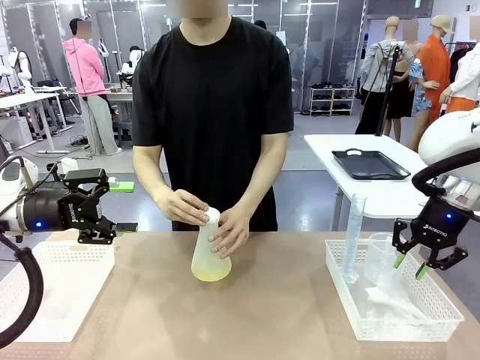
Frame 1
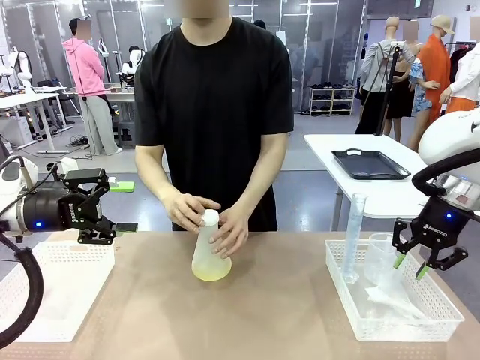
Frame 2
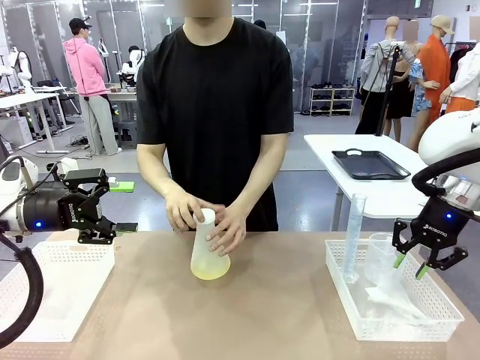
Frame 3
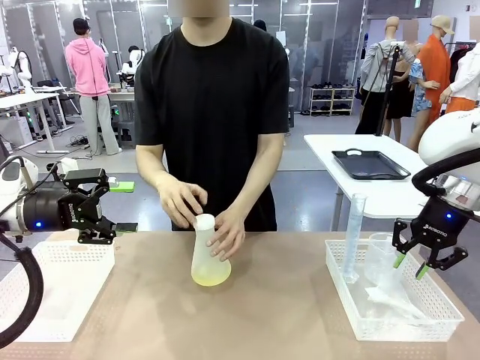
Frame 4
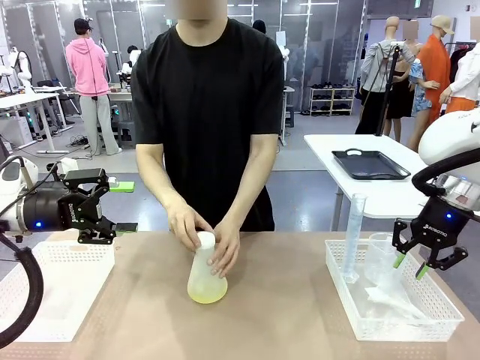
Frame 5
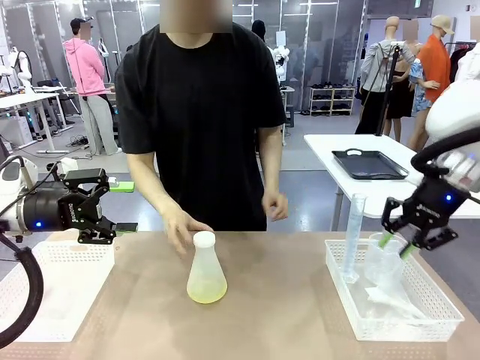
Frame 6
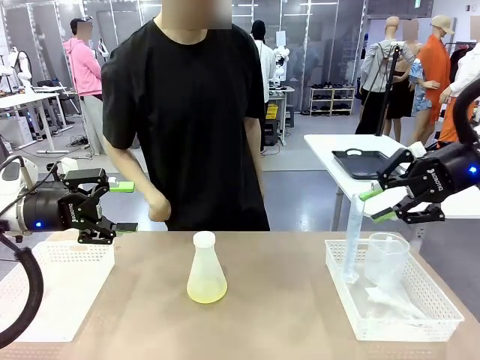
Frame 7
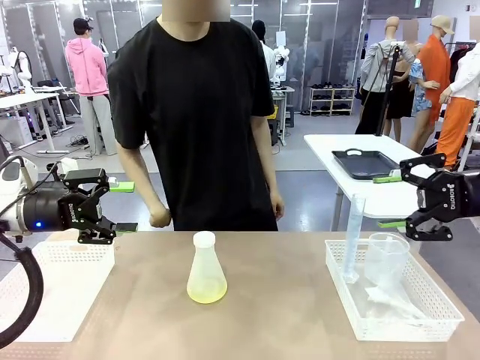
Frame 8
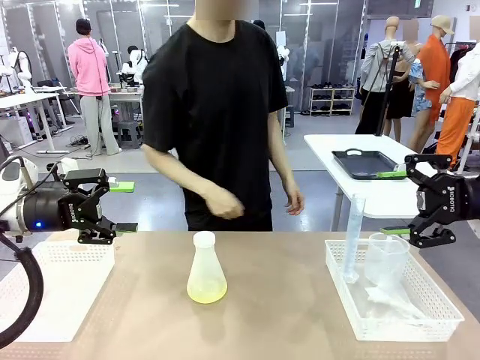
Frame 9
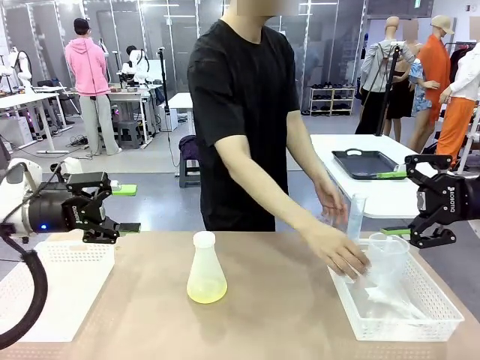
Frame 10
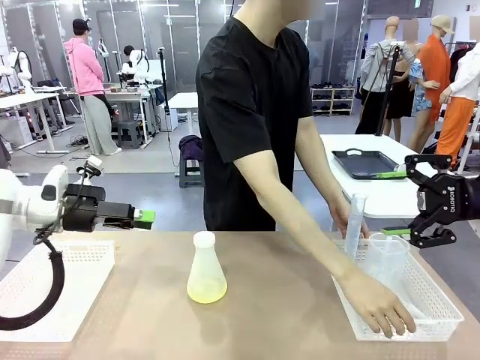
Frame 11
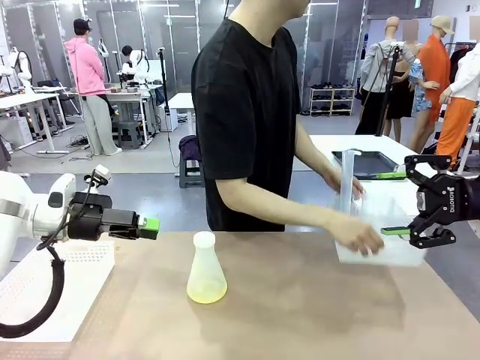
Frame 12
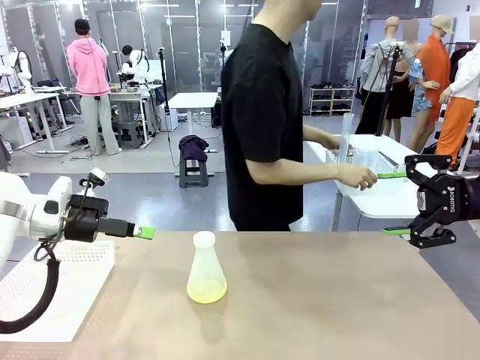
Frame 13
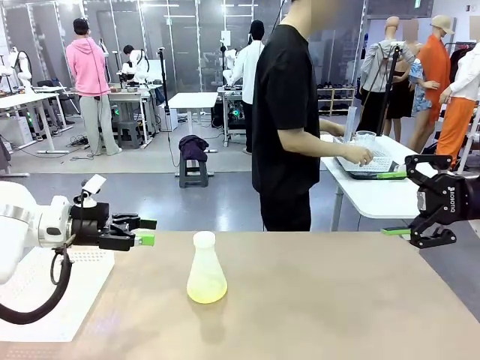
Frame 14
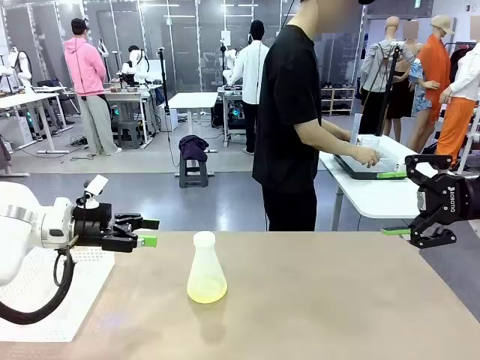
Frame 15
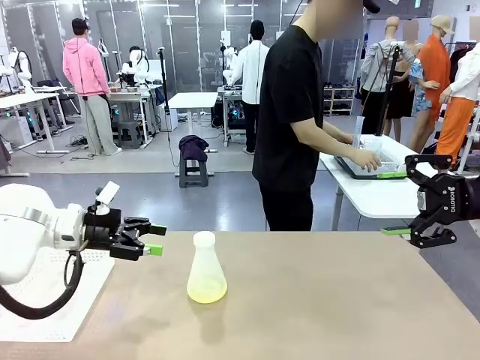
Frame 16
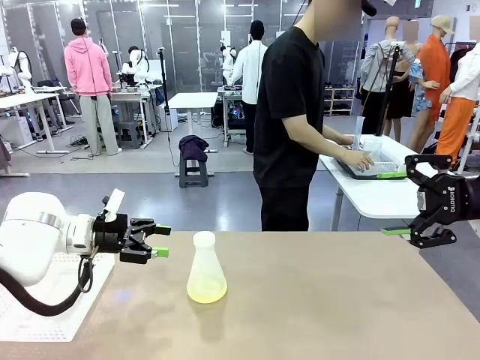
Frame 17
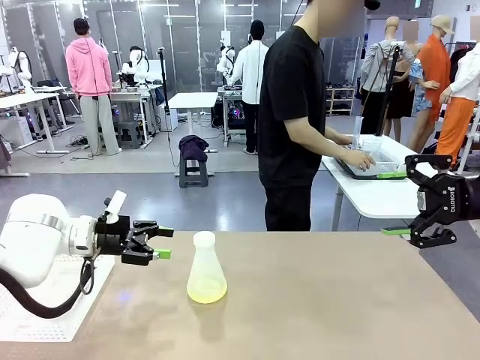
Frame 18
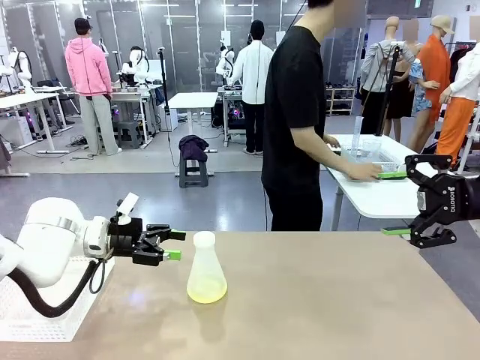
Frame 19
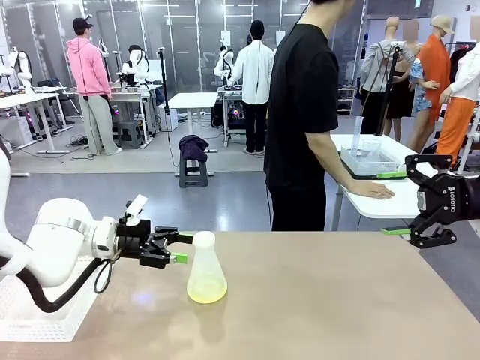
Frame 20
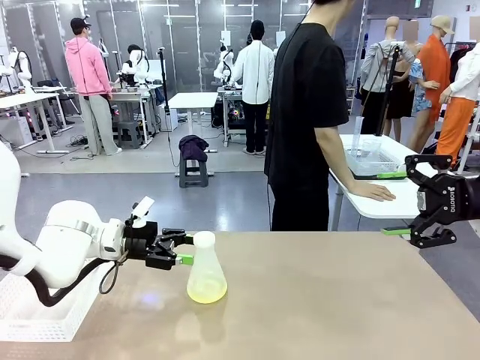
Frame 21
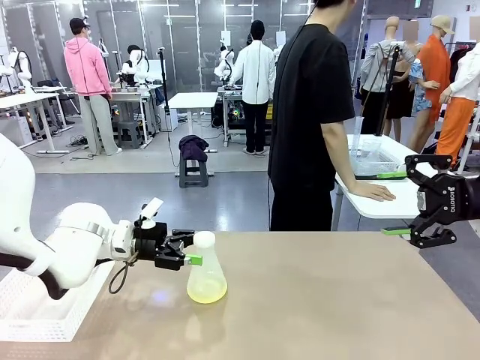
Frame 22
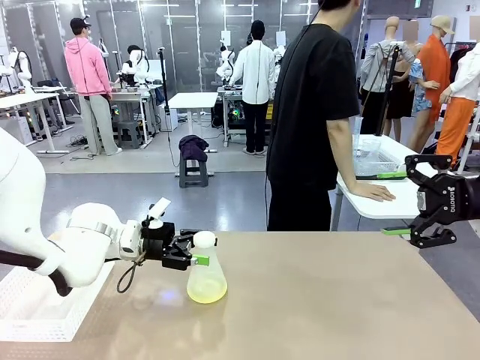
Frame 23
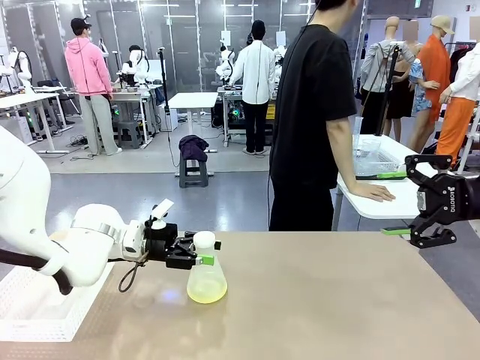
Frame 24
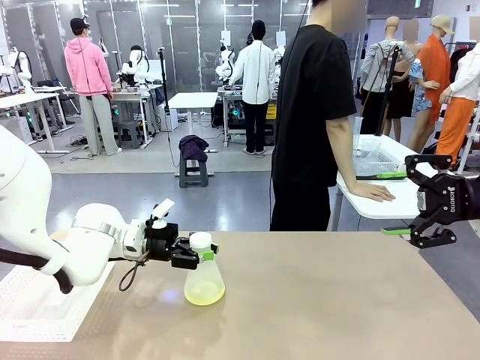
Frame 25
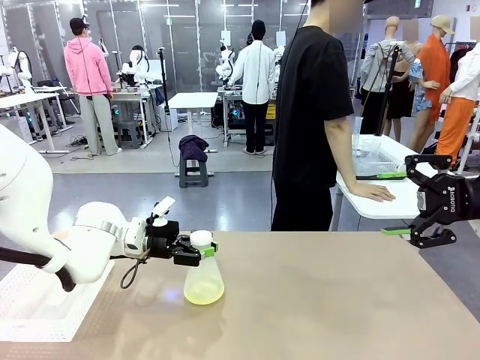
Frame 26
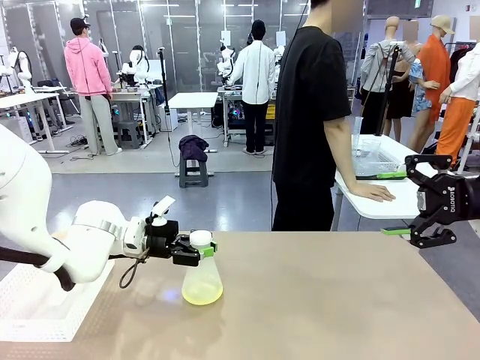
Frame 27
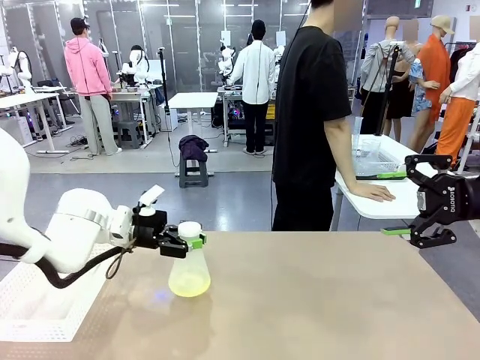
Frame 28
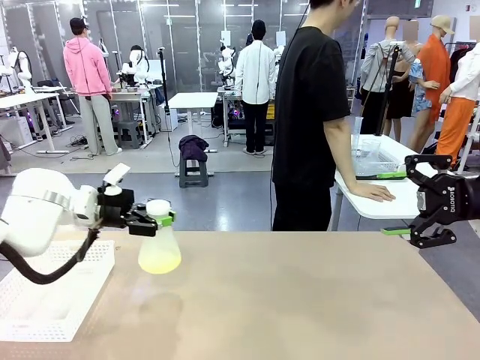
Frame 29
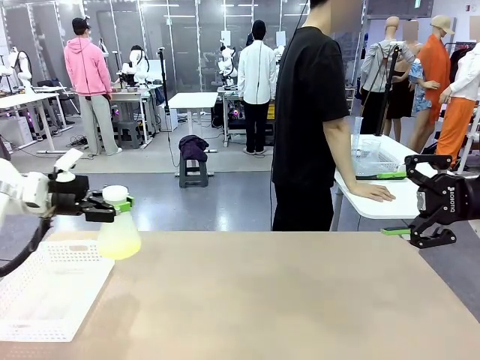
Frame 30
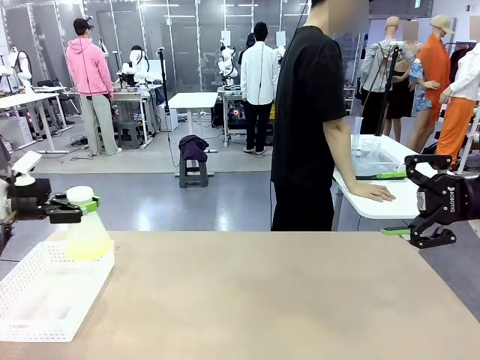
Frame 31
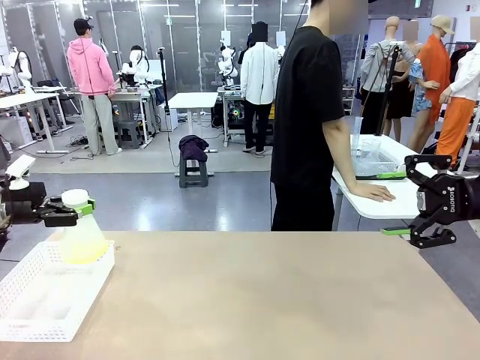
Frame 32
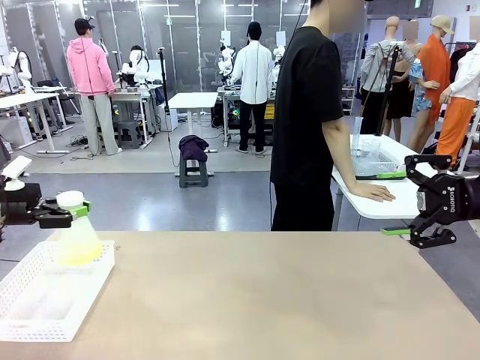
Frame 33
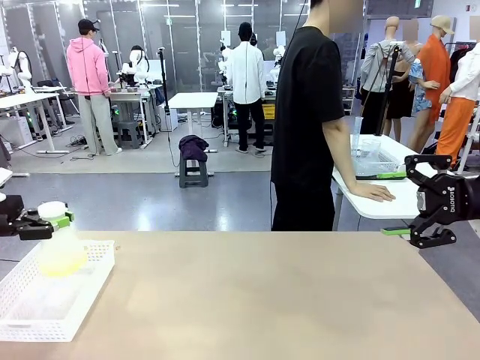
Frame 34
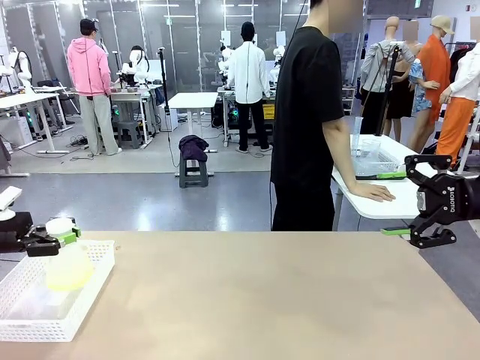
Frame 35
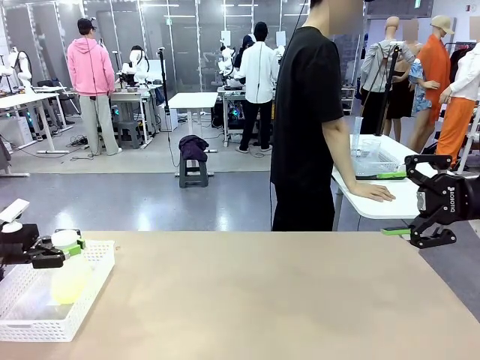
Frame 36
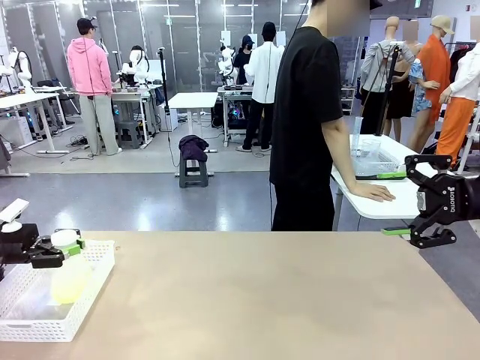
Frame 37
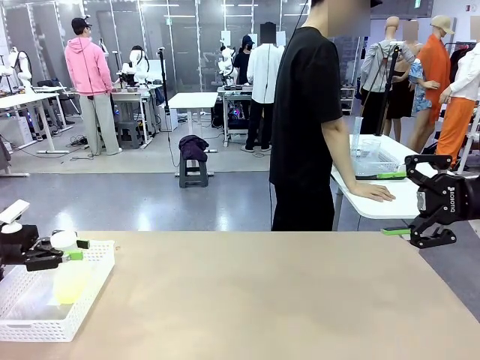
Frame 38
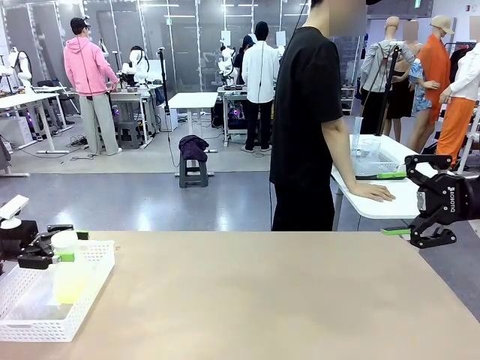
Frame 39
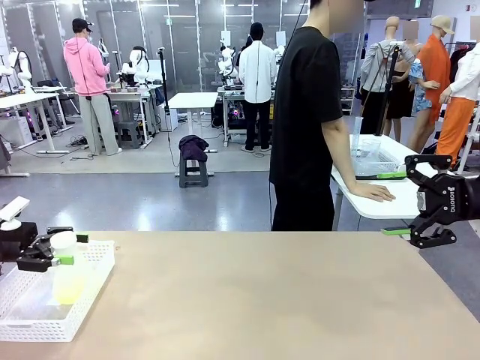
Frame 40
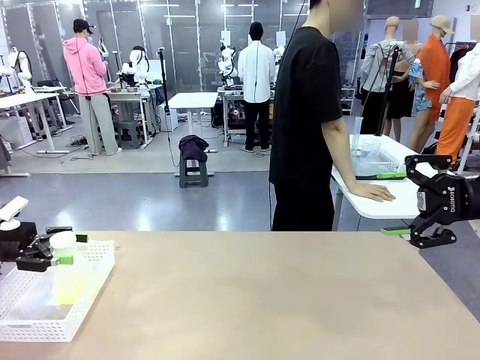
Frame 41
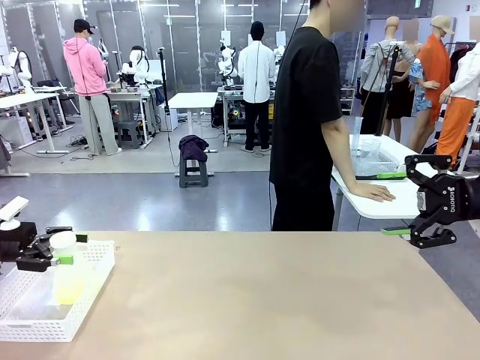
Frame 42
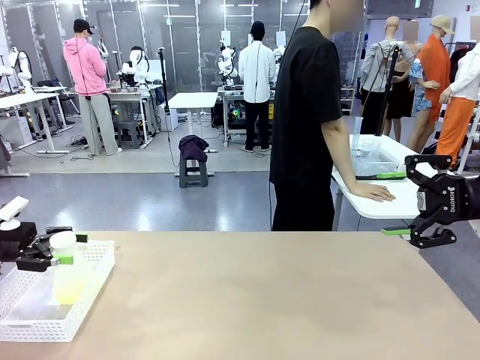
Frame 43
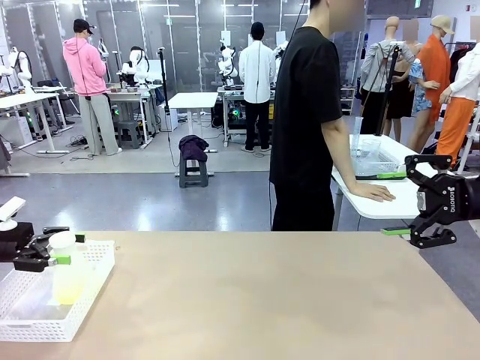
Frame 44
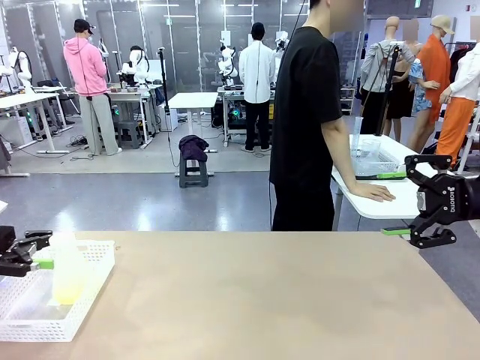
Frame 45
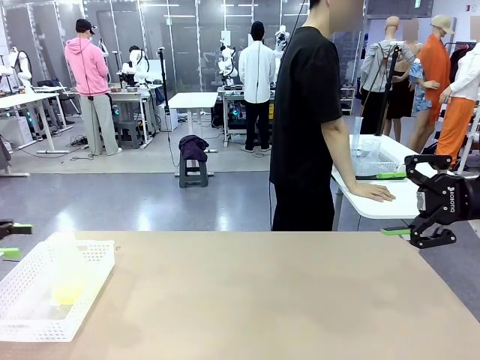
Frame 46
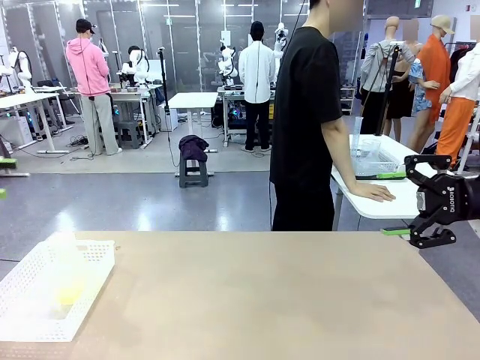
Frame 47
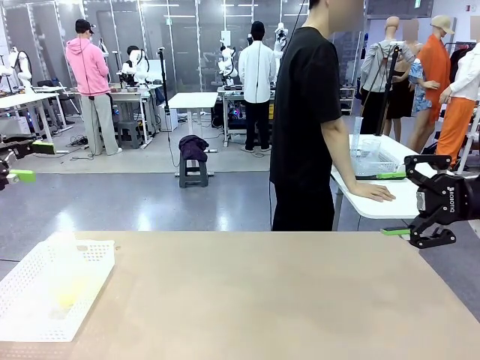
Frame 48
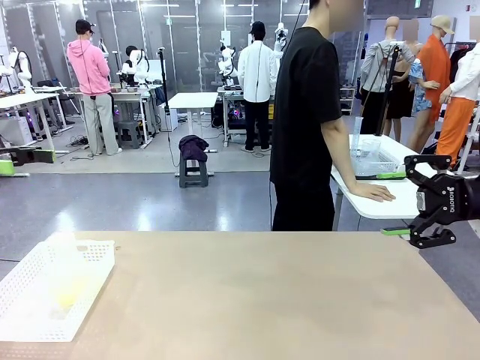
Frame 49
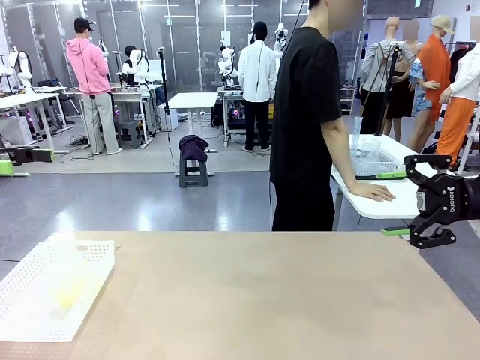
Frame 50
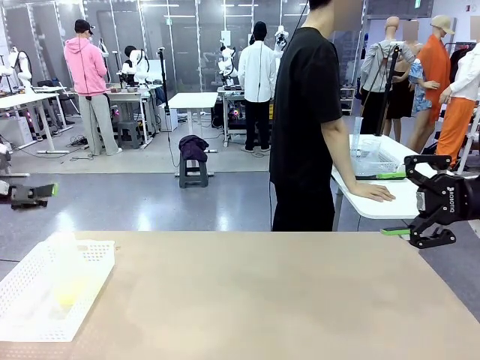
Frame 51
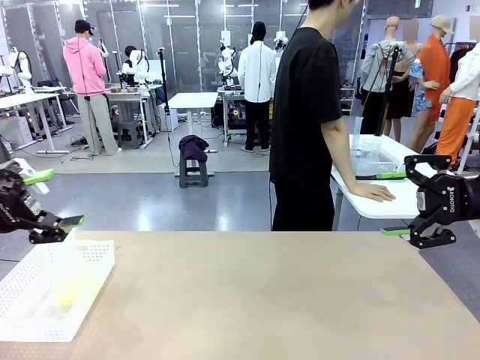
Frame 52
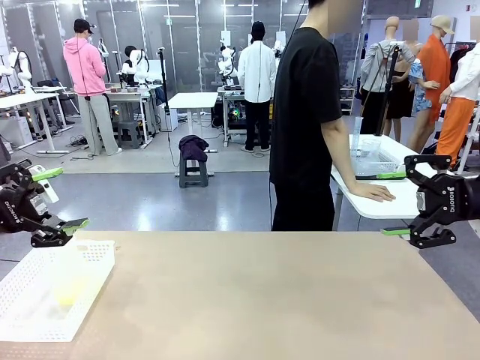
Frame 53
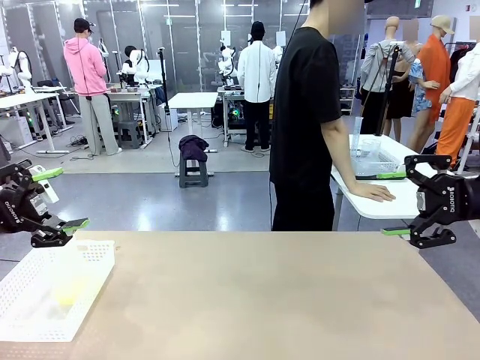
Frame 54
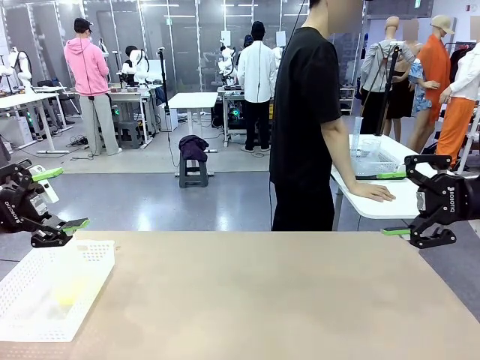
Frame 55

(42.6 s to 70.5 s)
Task: Prepare the solutions needed for the experiment.
Robot: When the human places the Big flask in the center of the table, pick up the Big flask and place it in the left Organizing basket.
Person: Pick up the organizing basket on the left side of the robot table and place it on the left side of the human table.
